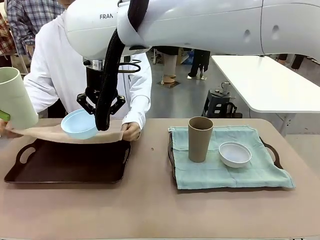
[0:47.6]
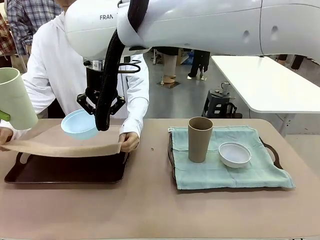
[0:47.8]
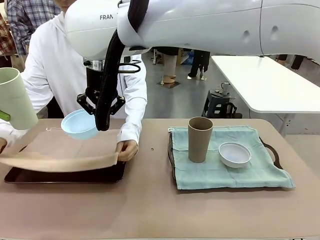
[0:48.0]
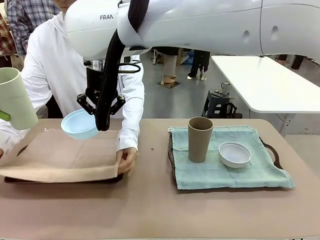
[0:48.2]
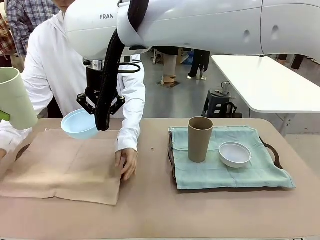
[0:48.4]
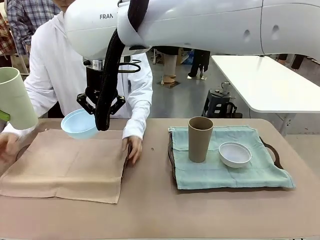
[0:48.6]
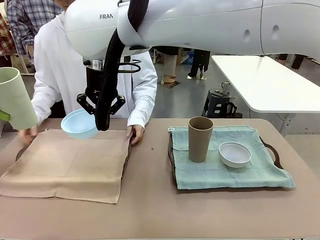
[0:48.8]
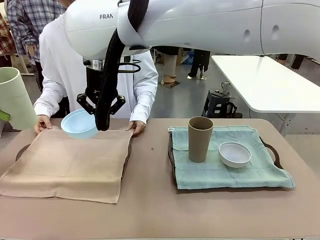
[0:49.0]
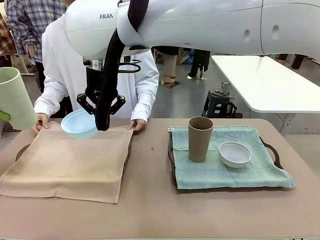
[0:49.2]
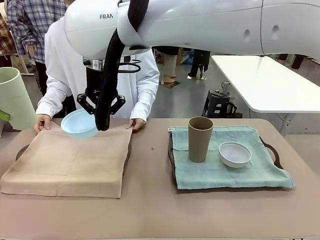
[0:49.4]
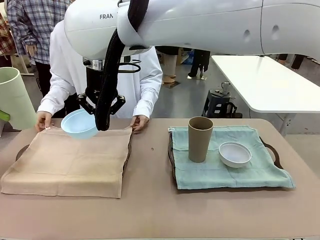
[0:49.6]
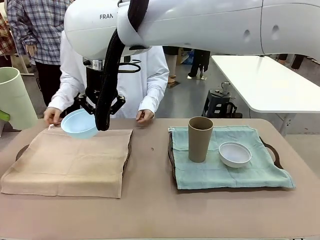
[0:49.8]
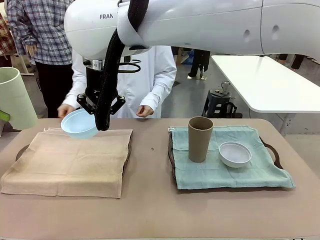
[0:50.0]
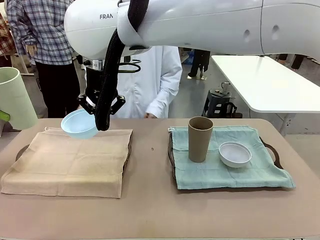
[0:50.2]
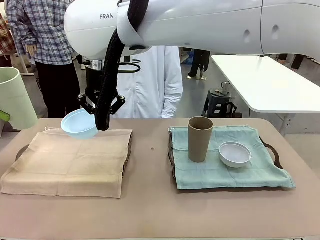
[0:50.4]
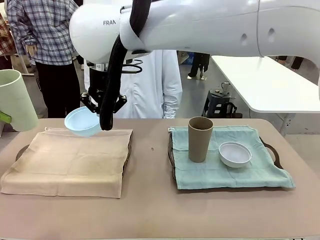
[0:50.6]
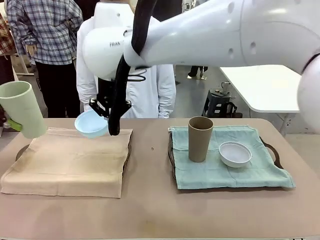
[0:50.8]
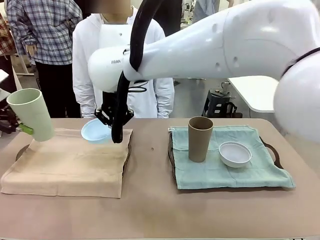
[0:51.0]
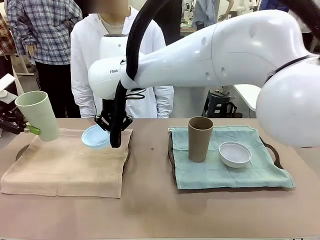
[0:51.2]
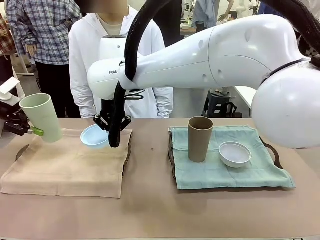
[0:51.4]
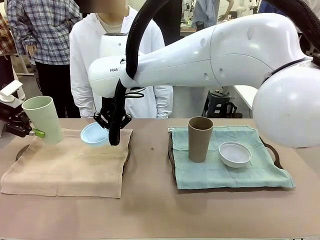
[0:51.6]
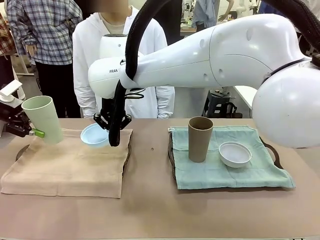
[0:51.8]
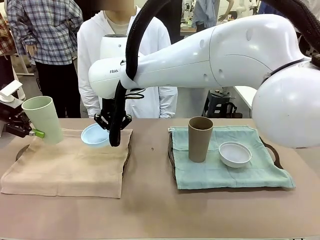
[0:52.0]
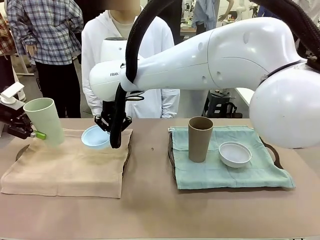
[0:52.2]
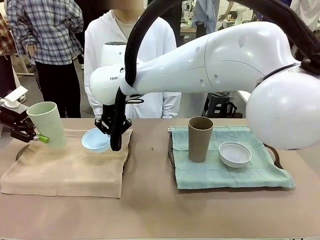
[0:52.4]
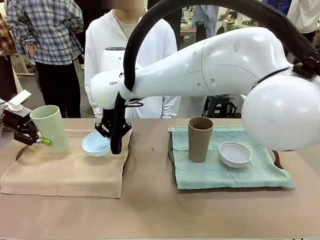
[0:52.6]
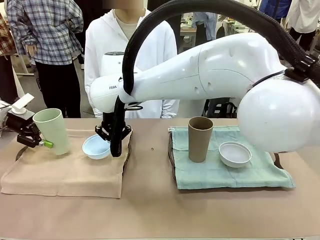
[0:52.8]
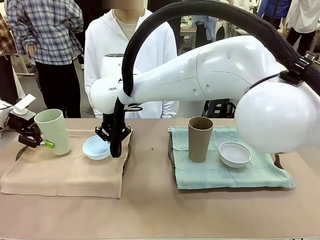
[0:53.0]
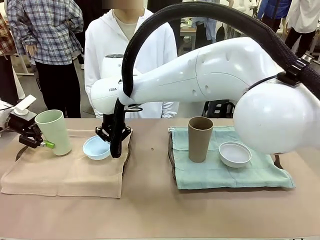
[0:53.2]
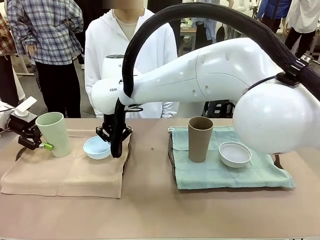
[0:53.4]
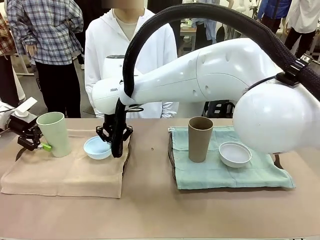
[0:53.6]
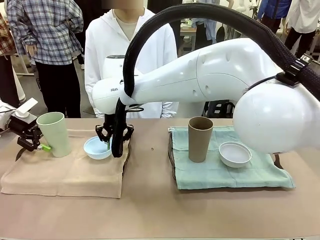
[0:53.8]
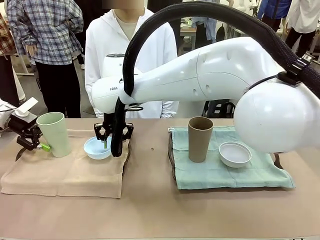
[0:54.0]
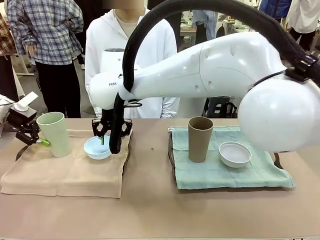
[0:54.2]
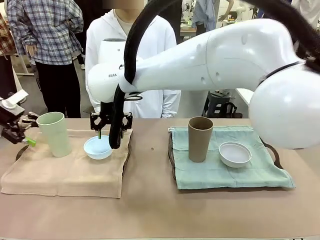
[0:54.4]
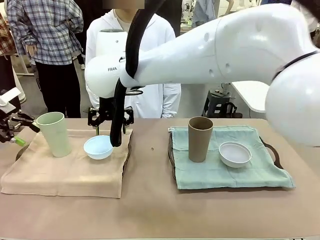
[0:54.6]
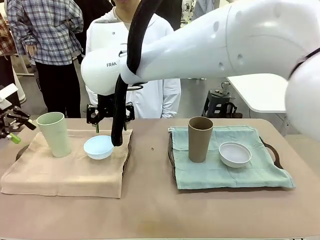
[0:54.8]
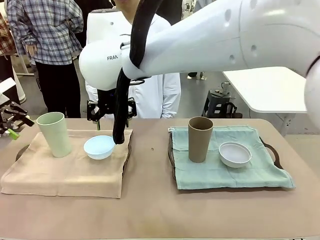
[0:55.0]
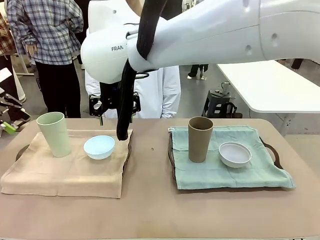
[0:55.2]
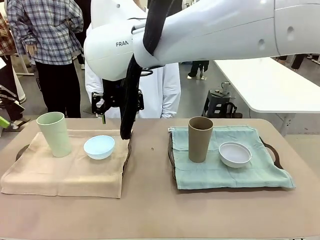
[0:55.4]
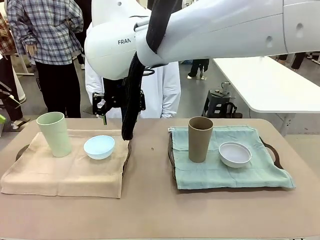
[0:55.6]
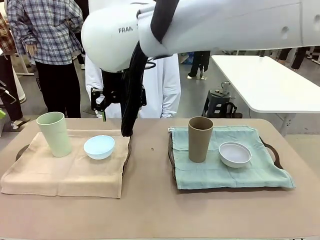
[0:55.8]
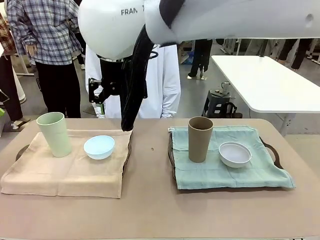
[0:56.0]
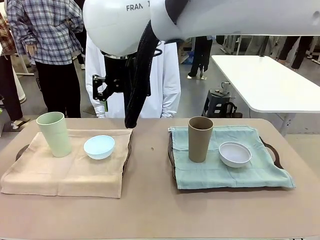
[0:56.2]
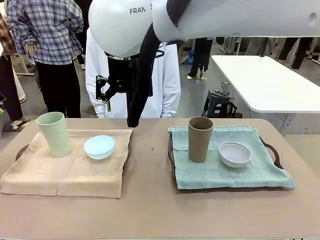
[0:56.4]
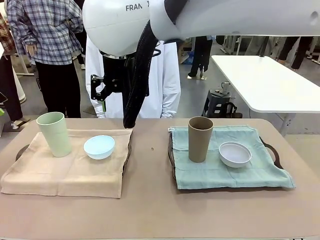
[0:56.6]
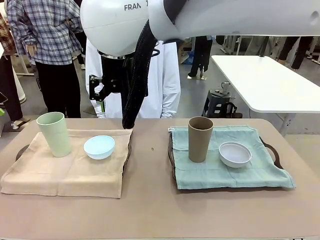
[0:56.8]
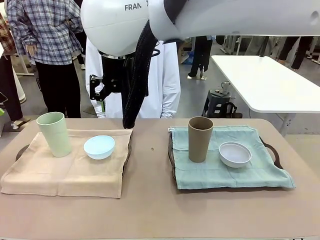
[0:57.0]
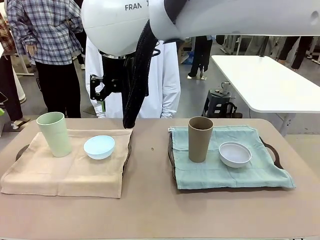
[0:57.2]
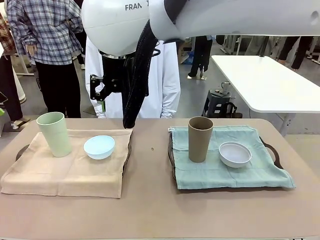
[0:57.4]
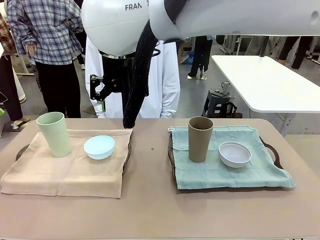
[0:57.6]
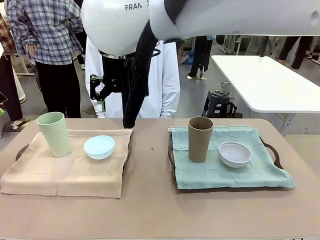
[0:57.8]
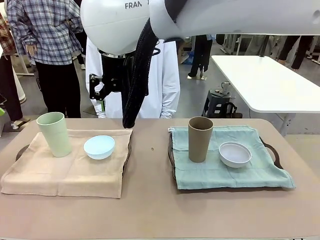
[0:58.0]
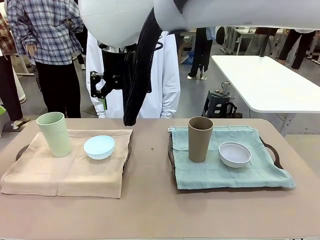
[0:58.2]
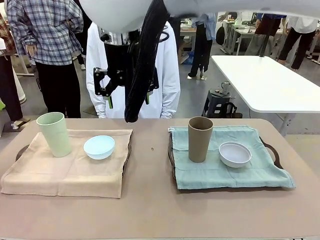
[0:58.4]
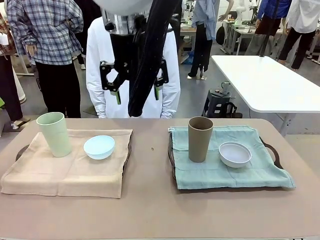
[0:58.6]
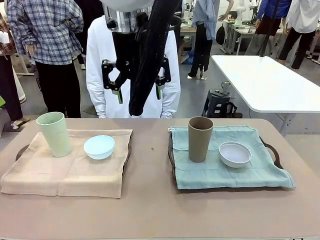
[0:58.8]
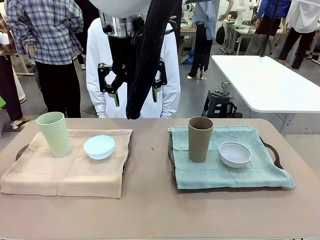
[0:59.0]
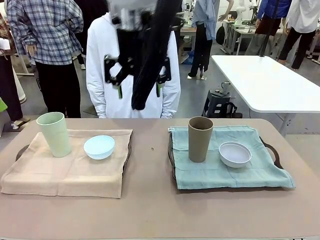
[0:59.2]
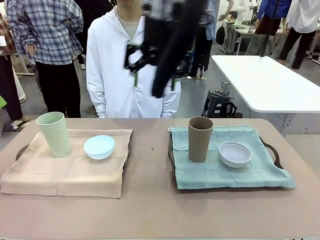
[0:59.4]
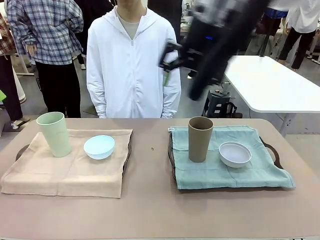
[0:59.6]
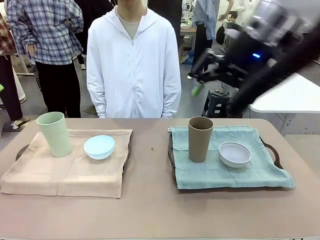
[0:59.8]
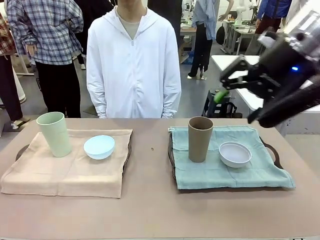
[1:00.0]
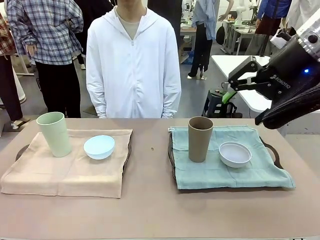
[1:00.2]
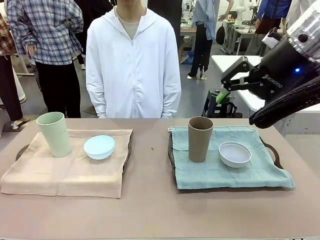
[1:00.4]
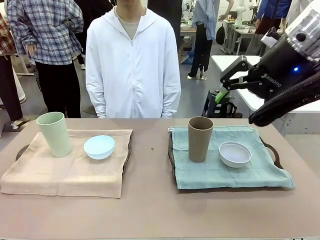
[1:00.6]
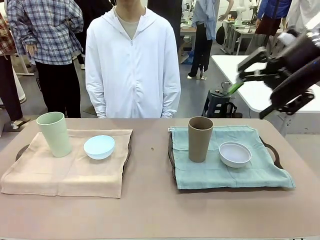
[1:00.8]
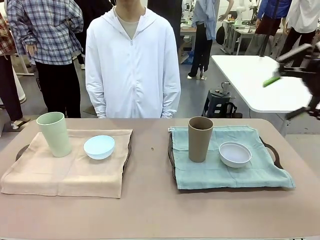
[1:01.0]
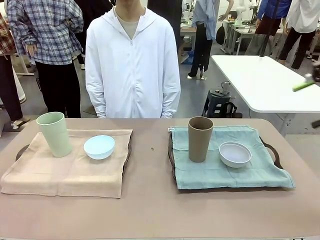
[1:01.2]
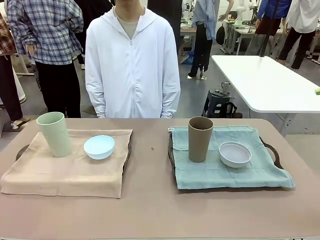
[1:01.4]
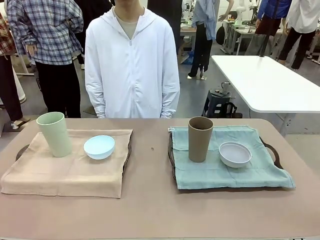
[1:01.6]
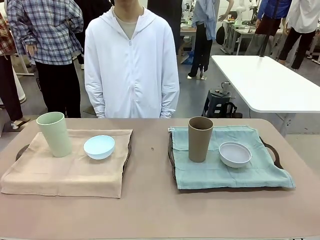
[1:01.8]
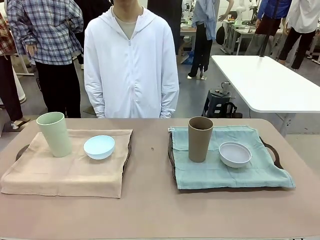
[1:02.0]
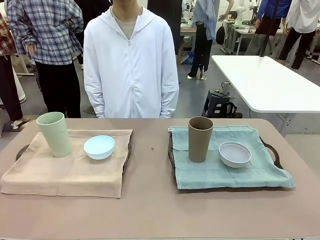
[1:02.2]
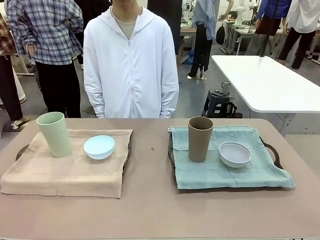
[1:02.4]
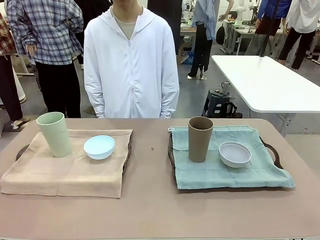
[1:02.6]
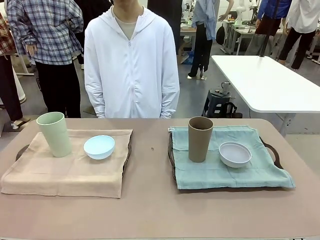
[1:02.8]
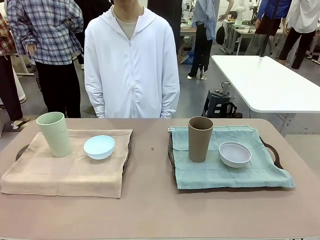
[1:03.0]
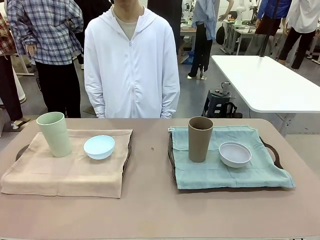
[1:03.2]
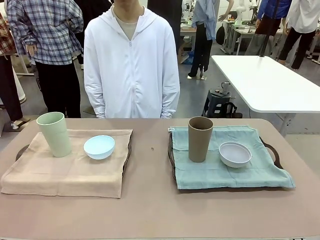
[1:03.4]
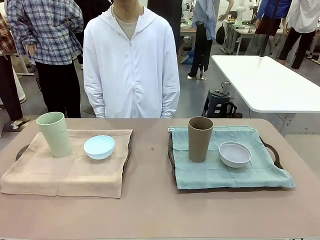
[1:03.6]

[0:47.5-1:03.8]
Robot: Place the Picnic Bowl and Reusable plastic cup back onto the Handle tray in front of the human's position.
Person: When the robot lifts the bowl and the cup, the human unfolds the napkin and lays the napkin flat on the tray.

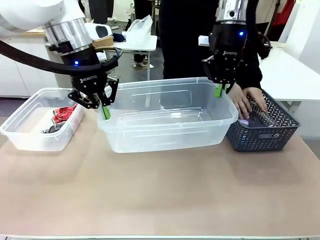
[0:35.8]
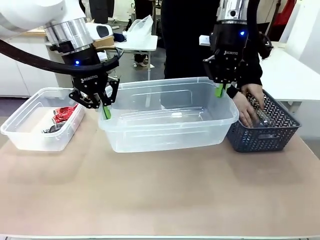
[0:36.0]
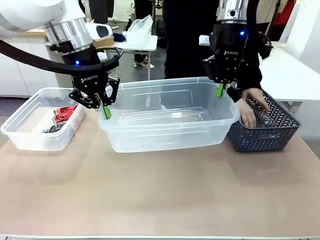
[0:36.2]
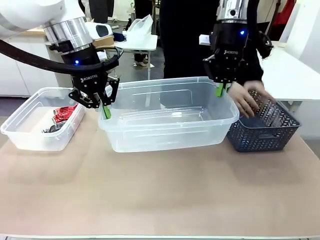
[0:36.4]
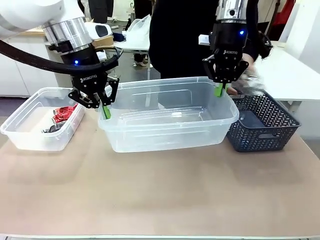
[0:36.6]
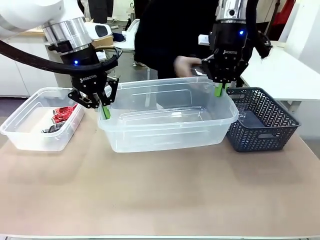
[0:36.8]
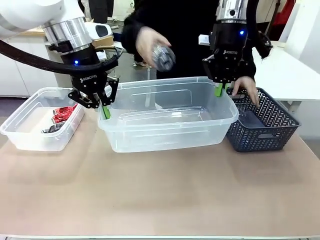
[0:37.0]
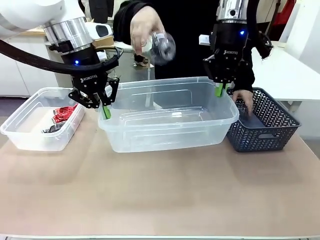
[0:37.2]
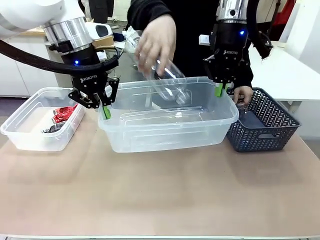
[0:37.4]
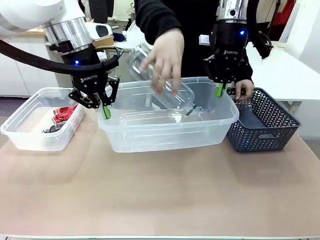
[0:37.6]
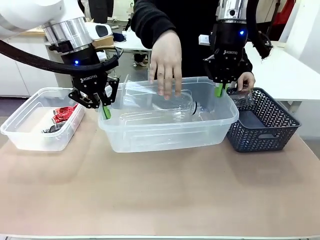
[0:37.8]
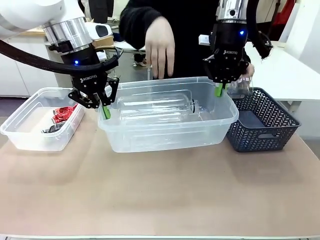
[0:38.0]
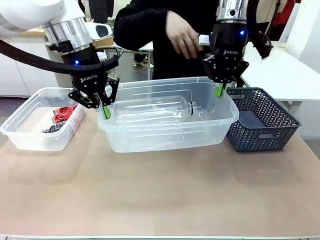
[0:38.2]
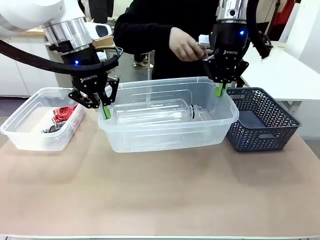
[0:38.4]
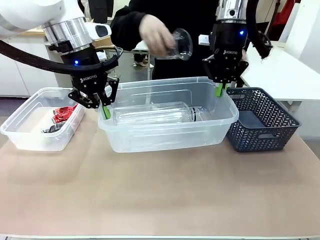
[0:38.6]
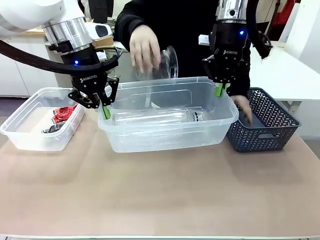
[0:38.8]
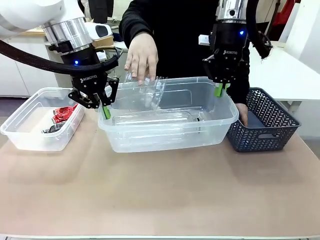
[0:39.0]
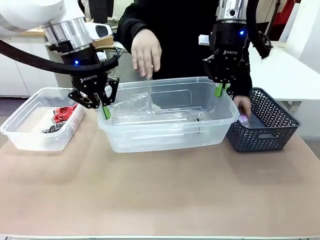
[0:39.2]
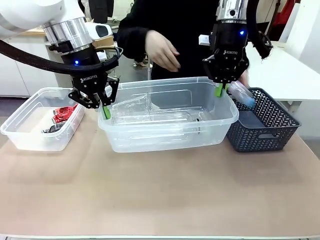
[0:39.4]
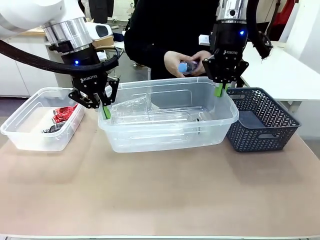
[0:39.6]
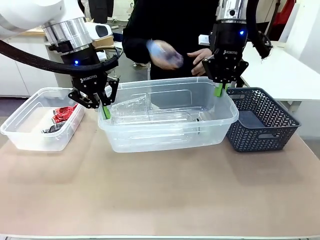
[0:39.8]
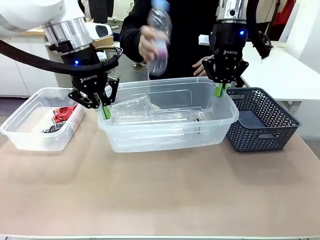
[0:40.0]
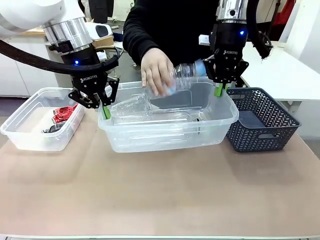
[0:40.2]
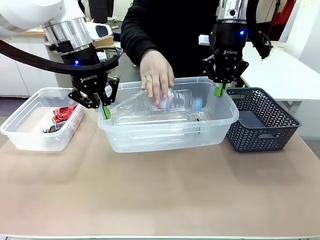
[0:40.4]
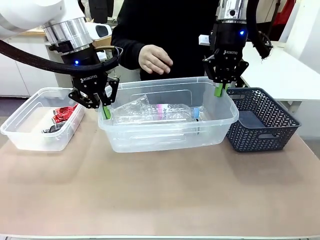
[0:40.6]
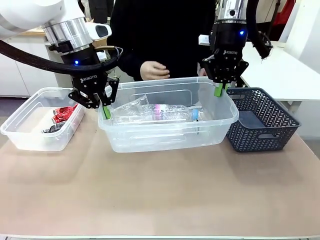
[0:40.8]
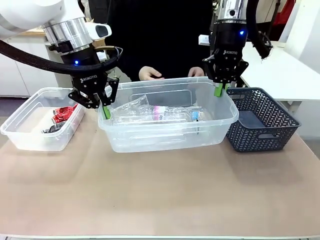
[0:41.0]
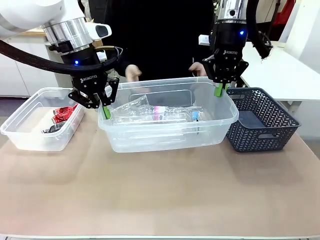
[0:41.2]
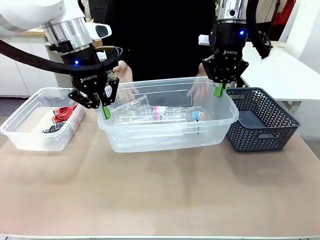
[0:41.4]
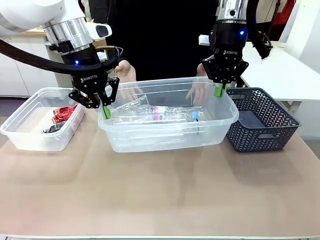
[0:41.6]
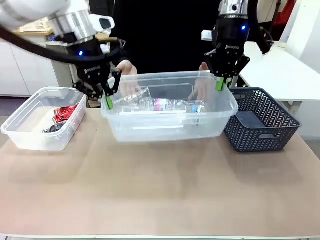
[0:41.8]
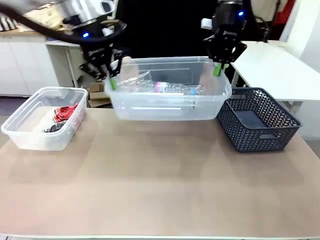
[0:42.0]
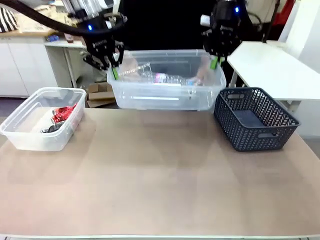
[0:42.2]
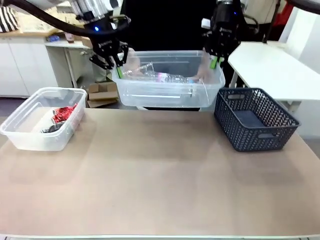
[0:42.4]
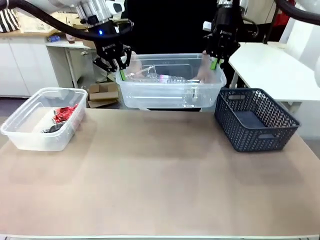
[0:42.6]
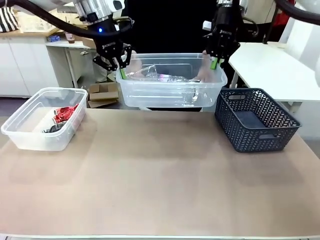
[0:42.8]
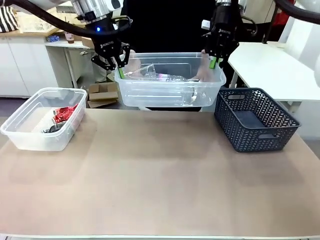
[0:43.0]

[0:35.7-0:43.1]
Robot: Offer the picked Organizing box to the human.
